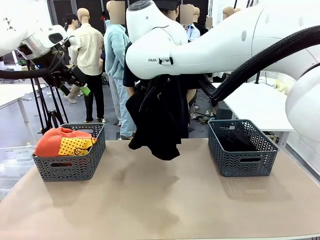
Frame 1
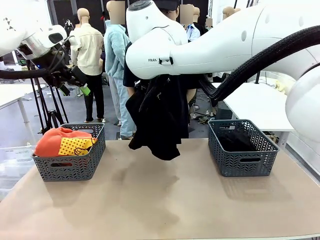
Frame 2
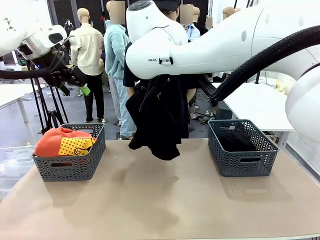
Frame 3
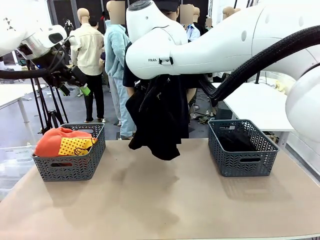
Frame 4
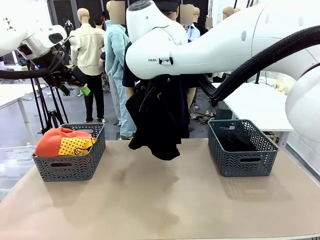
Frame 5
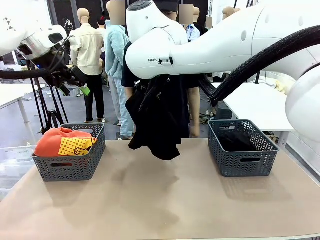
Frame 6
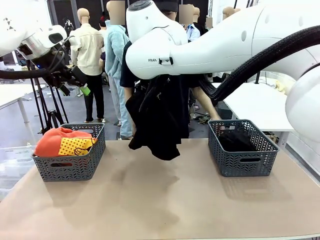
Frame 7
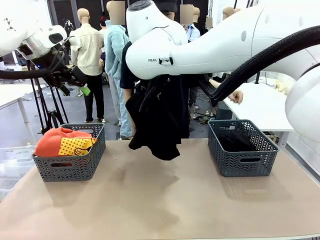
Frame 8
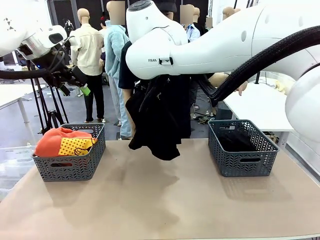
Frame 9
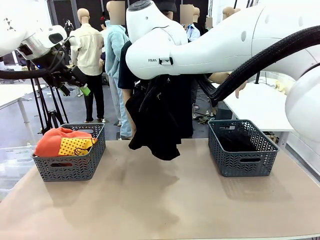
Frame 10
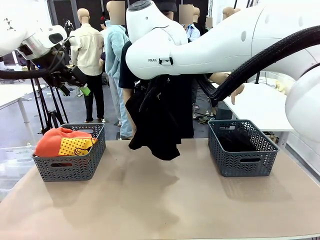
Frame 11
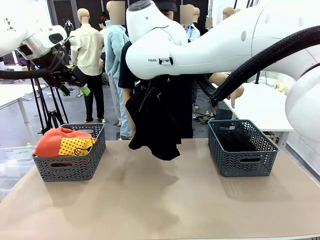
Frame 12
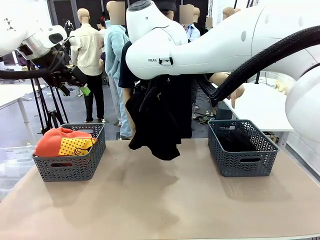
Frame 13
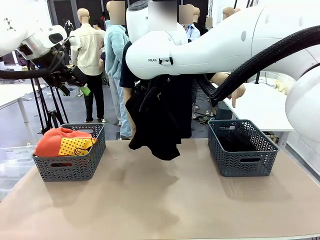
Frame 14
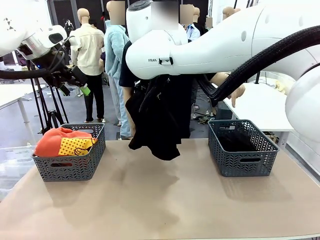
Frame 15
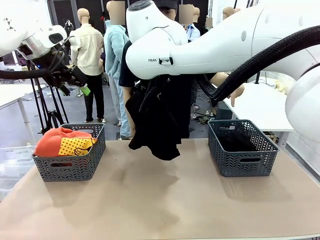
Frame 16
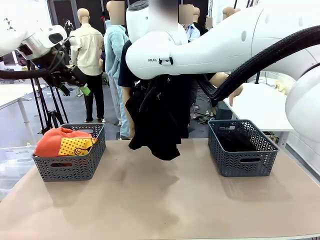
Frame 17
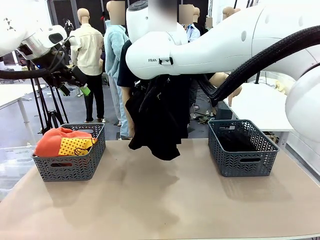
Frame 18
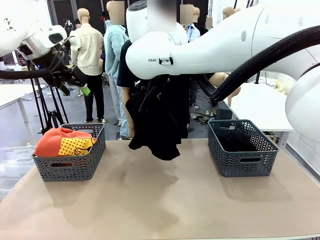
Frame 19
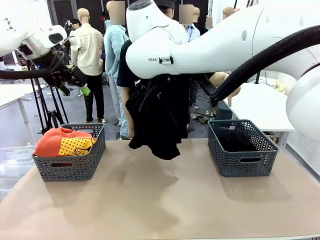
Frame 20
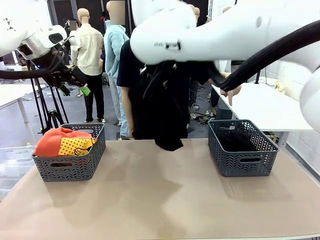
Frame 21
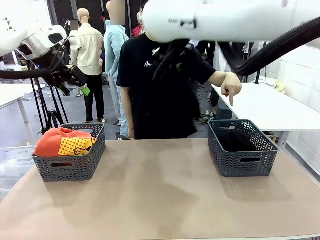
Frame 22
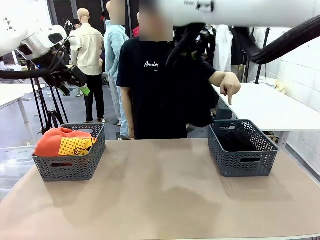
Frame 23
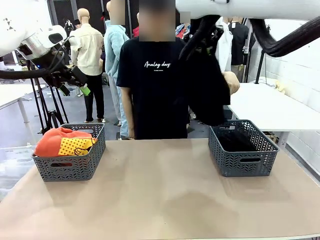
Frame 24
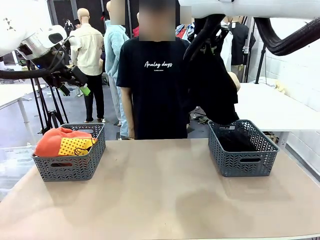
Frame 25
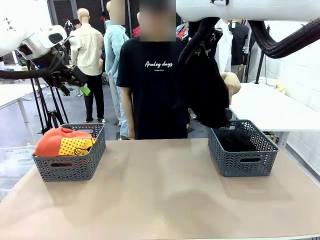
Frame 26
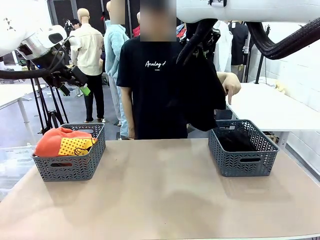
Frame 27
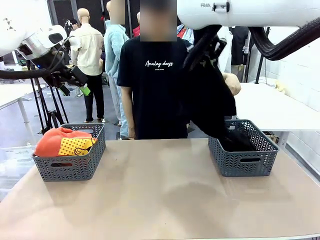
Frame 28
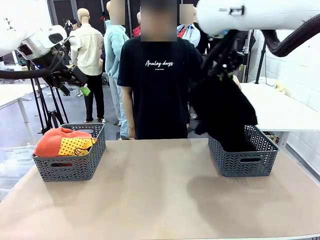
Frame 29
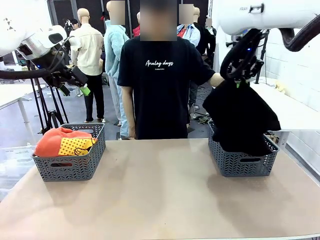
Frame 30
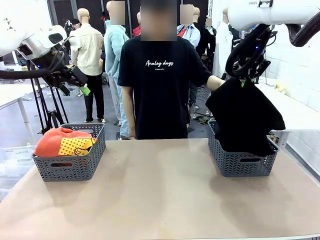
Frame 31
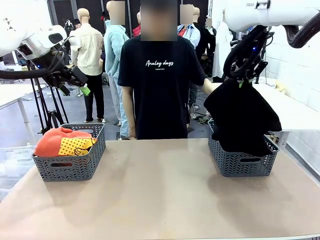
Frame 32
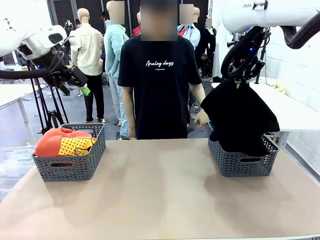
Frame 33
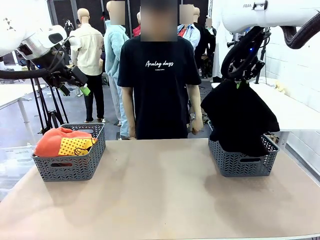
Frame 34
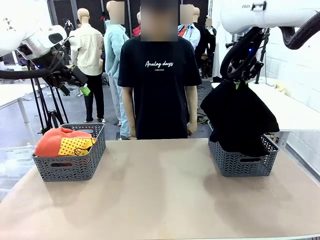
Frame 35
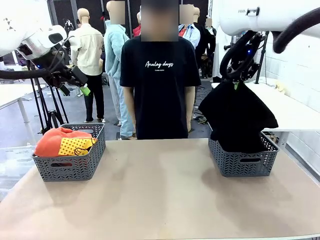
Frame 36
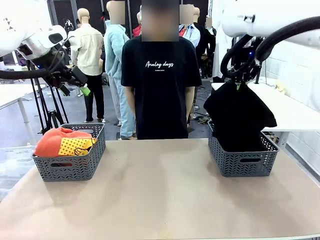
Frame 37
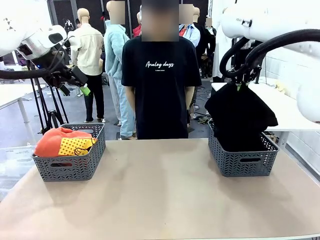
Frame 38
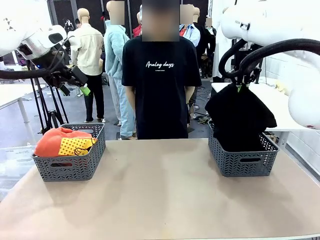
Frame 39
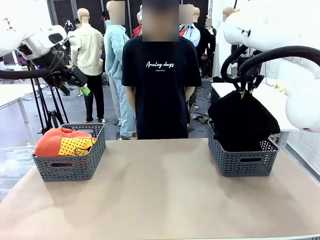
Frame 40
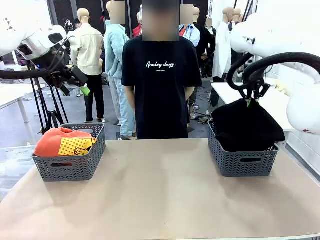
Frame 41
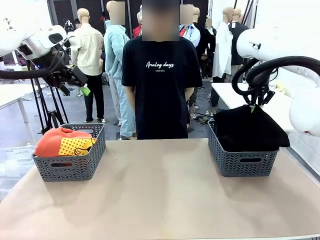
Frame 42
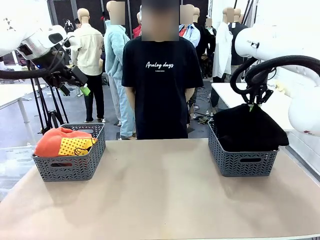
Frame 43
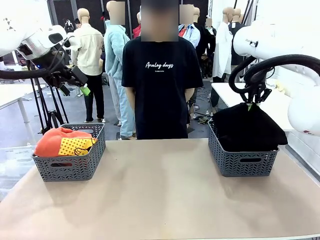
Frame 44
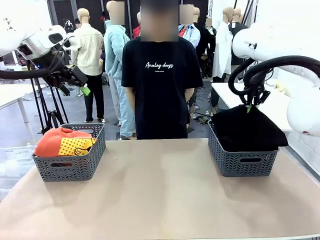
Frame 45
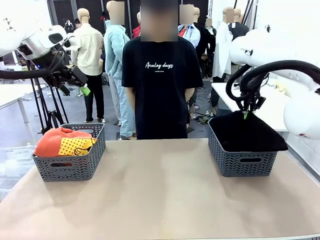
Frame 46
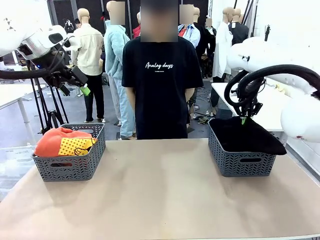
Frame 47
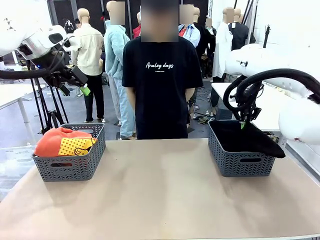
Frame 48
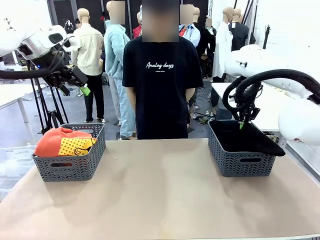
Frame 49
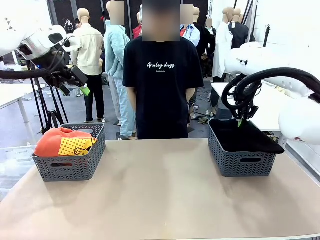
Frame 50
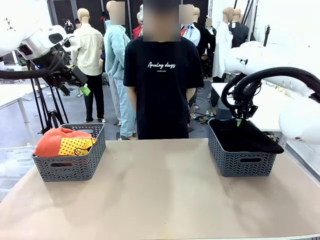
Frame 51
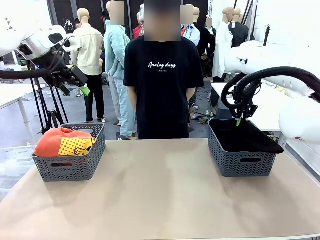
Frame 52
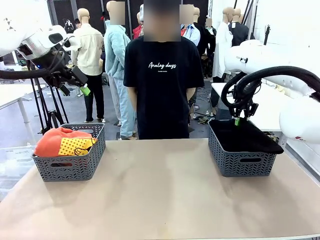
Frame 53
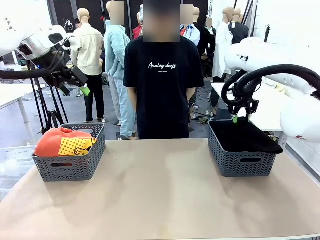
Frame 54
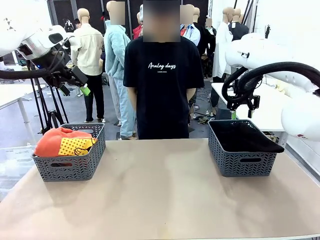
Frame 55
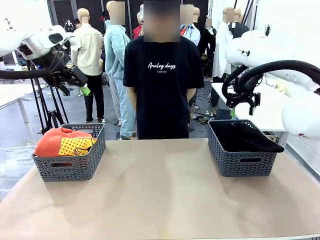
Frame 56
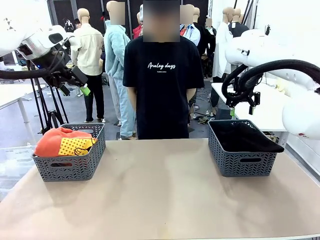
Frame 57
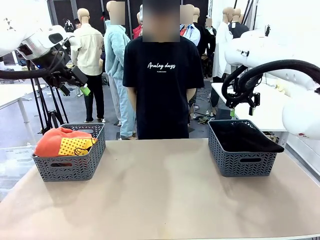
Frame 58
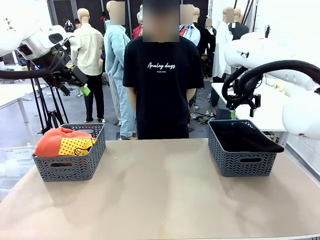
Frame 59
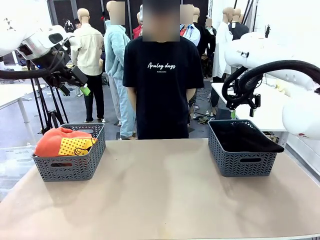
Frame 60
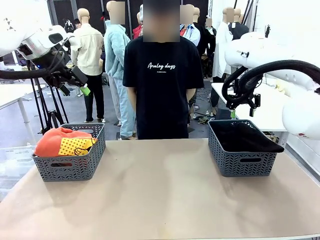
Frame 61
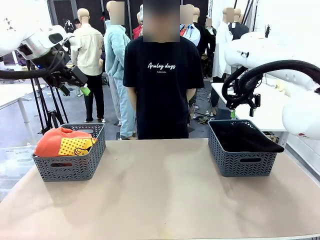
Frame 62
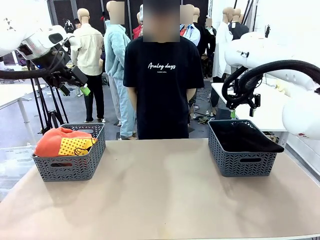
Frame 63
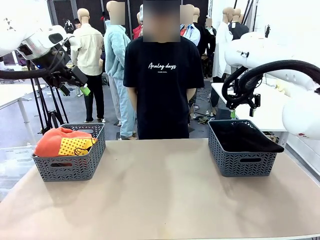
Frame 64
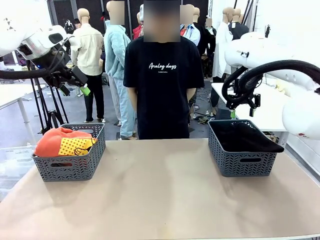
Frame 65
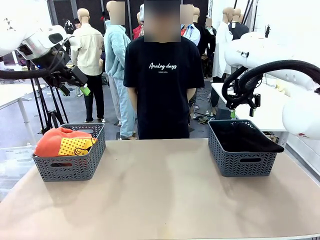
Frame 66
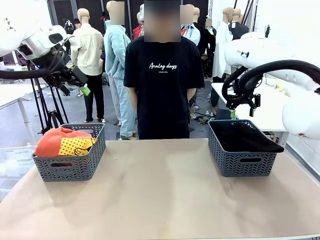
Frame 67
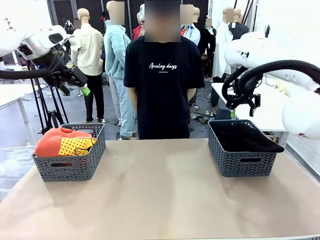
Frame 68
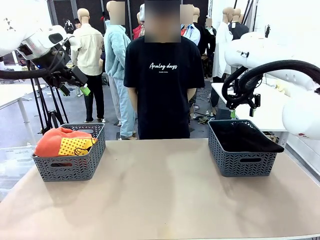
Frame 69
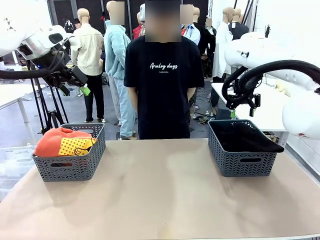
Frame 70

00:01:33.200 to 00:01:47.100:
Task: Sort the tops and bottoms.
Robot: Sort the clothes according to human instructions.

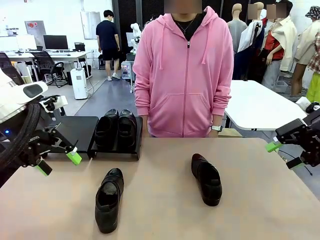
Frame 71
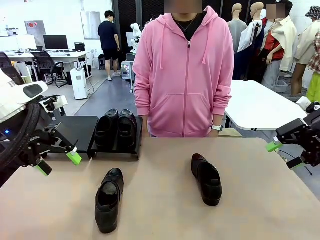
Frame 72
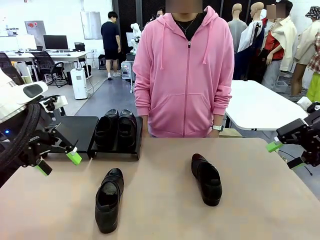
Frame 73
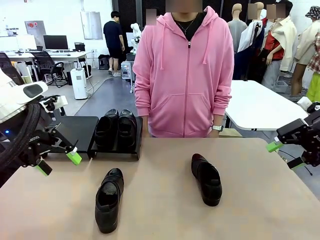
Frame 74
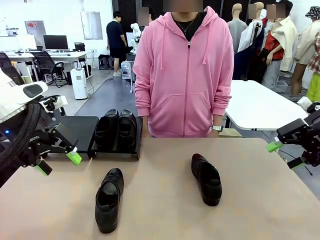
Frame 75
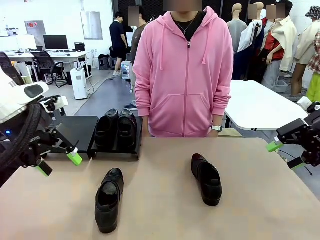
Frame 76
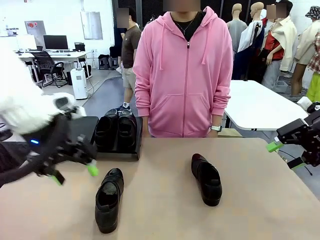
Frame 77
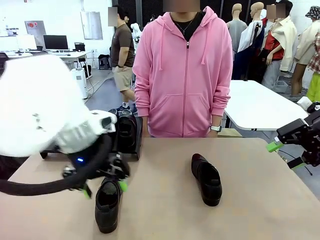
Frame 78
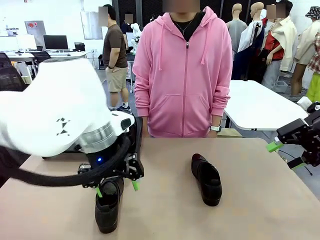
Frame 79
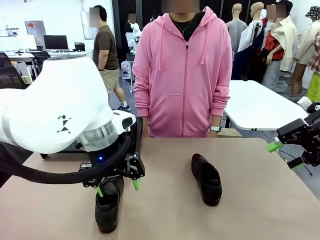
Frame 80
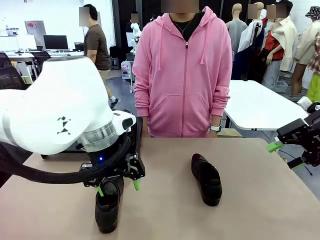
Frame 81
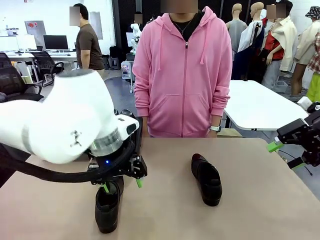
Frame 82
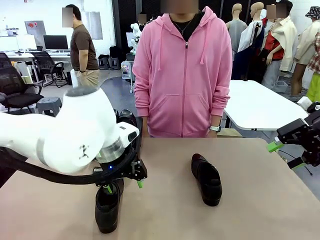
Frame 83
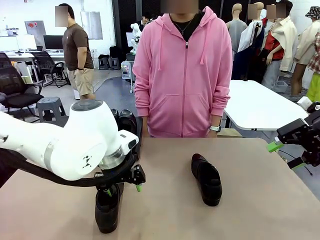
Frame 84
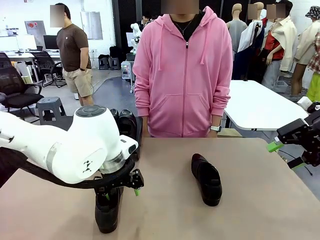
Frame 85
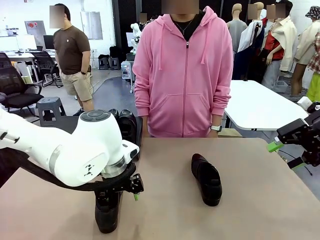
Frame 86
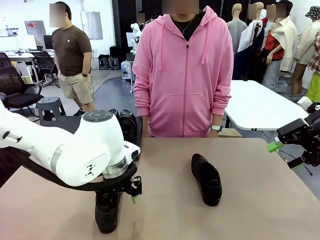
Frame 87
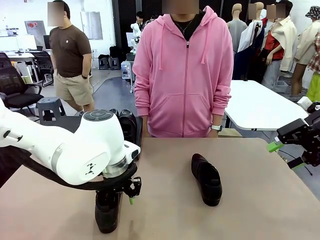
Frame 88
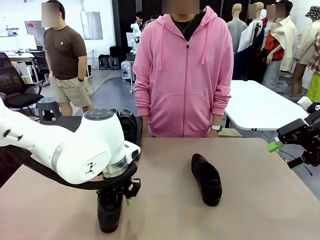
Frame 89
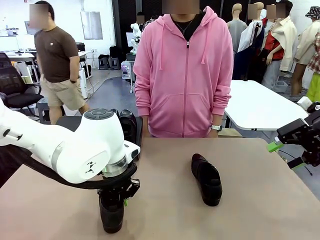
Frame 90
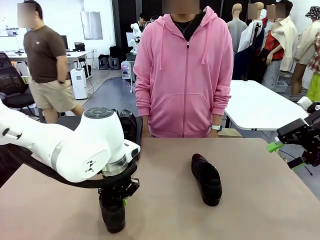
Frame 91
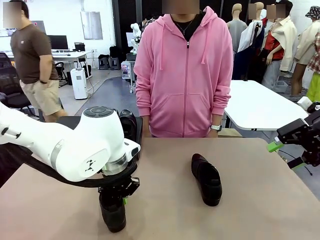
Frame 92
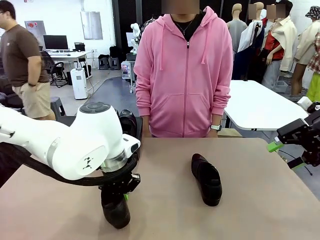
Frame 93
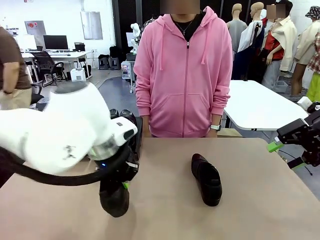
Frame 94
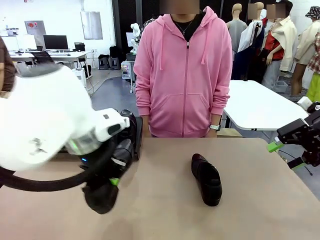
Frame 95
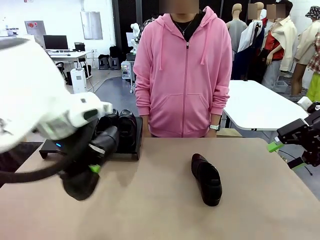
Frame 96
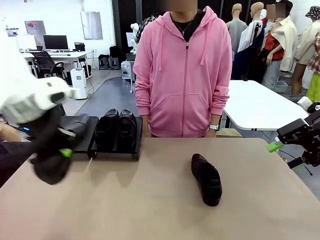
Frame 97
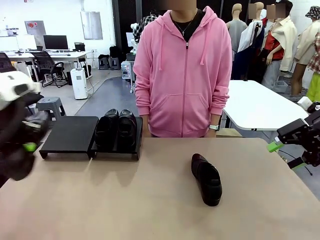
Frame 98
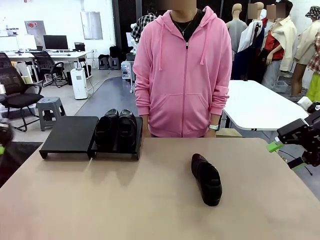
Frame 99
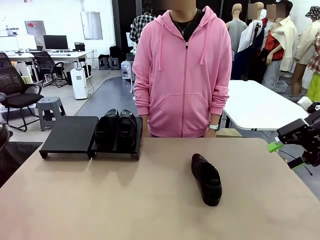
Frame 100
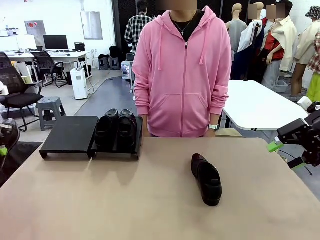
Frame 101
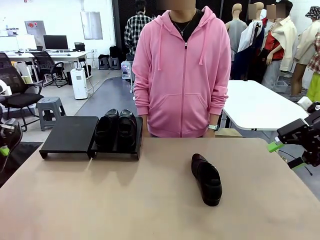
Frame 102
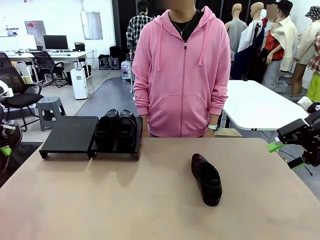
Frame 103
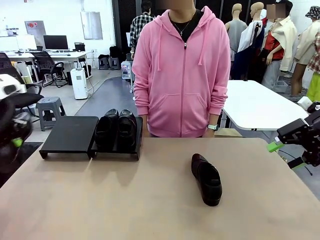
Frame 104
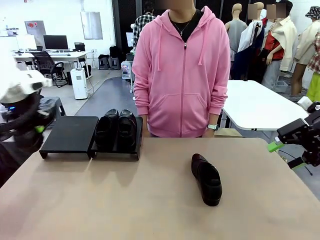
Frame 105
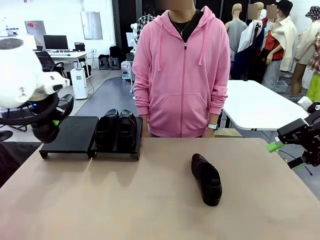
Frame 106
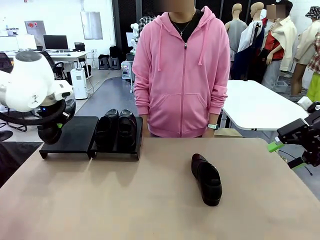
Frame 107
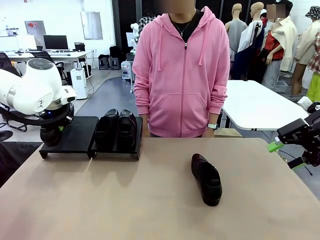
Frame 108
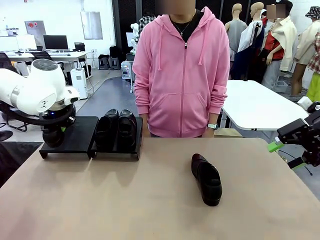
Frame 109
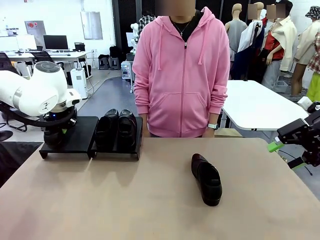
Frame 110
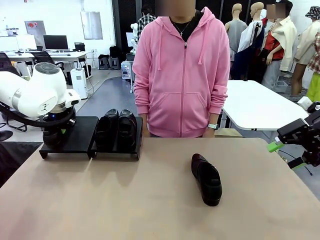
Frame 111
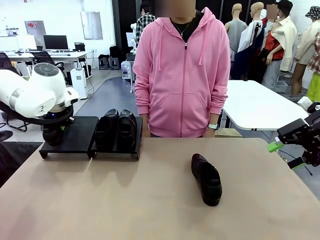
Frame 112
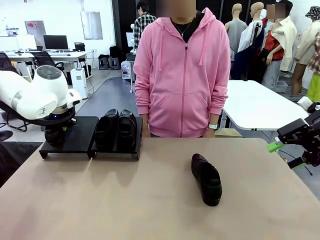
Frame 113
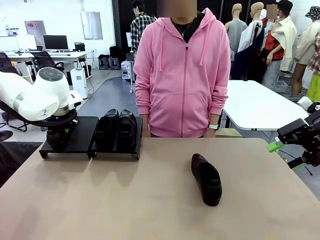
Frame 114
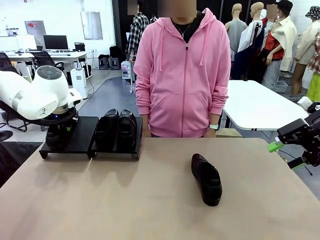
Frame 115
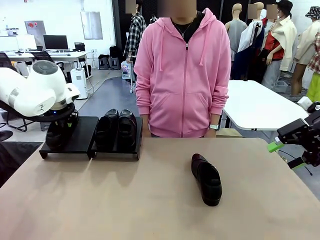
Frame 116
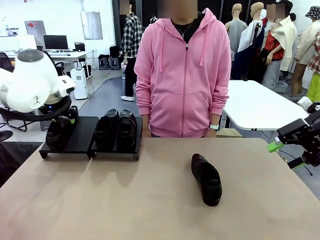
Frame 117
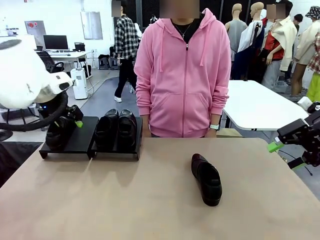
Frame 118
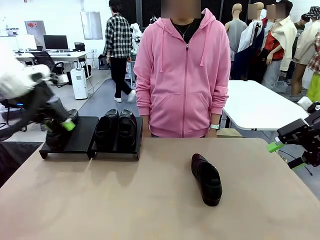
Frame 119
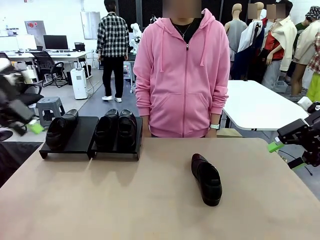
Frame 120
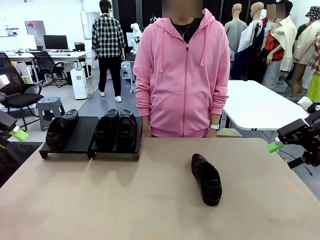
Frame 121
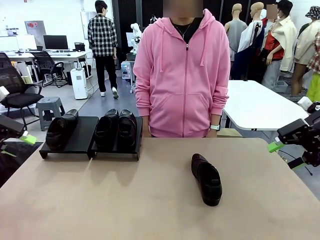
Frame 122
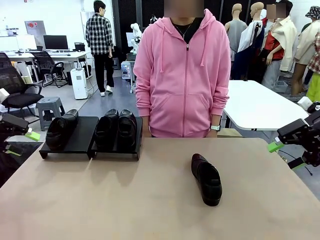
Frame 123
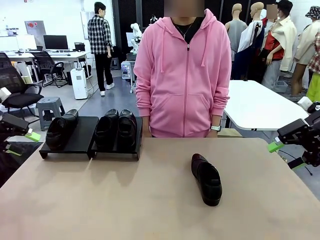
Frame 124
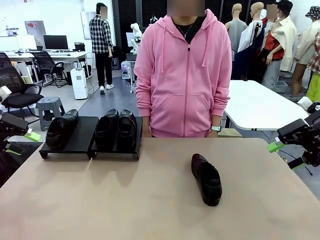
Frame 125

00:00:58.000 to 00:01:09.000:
Task: Organize the shoes by placing them on the stand.
Robot: Place the Shoe from the middle of the table onto the Shoes Stand.
